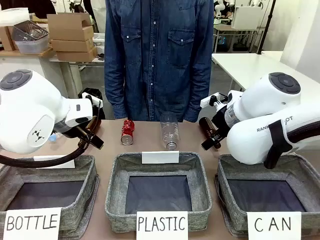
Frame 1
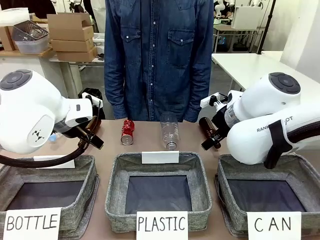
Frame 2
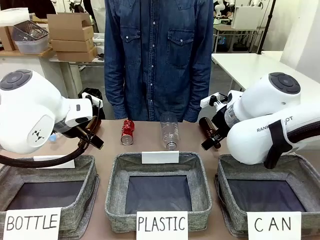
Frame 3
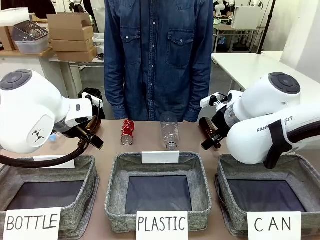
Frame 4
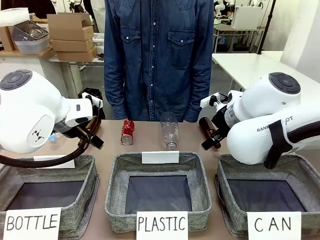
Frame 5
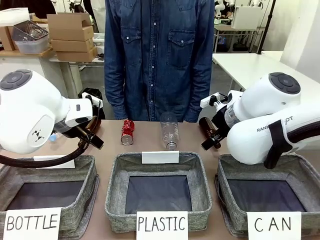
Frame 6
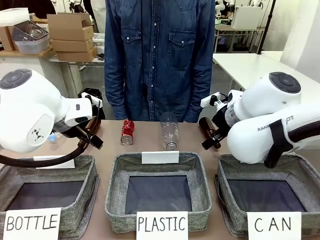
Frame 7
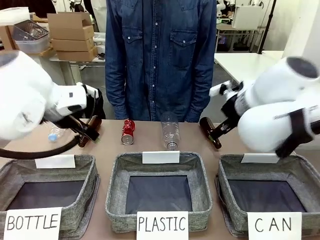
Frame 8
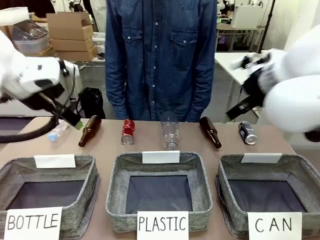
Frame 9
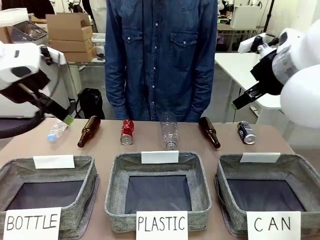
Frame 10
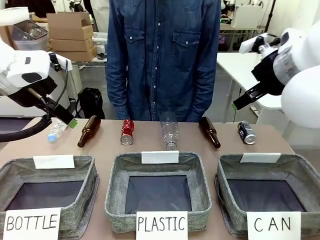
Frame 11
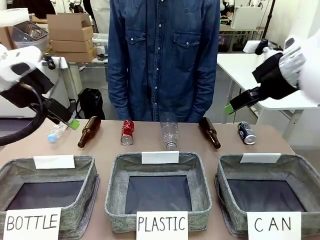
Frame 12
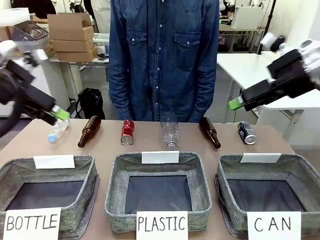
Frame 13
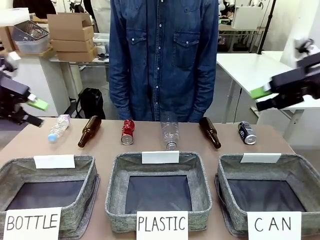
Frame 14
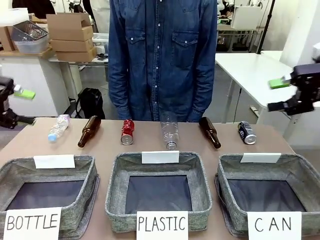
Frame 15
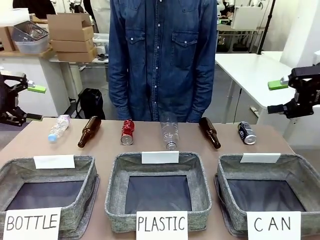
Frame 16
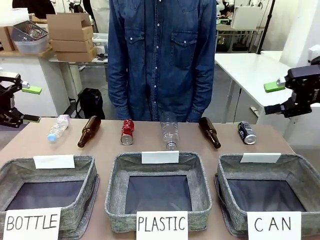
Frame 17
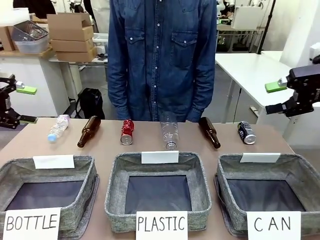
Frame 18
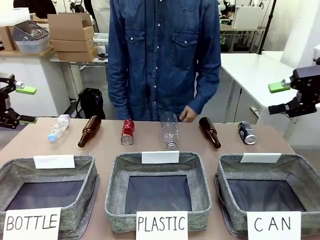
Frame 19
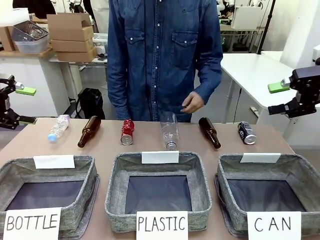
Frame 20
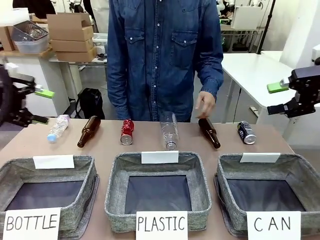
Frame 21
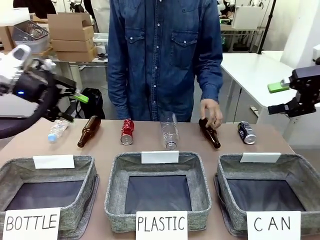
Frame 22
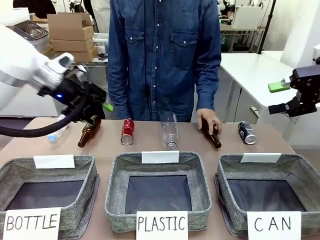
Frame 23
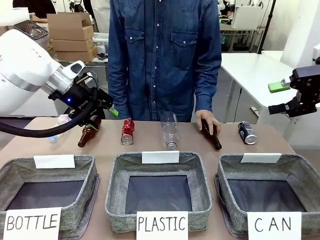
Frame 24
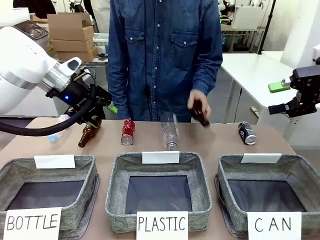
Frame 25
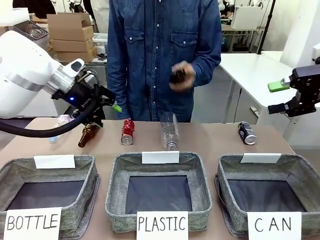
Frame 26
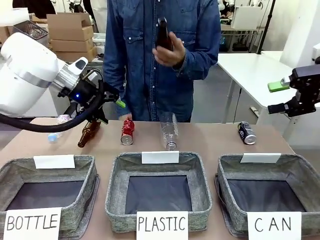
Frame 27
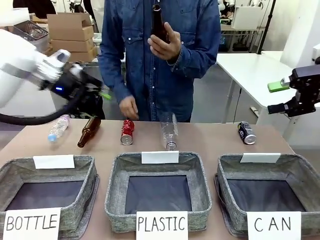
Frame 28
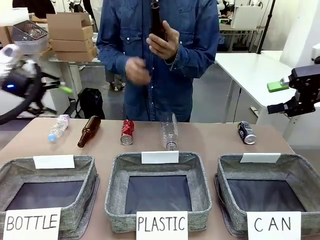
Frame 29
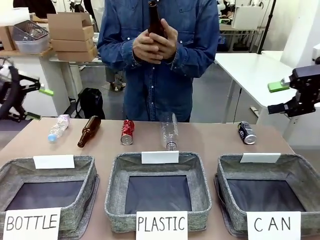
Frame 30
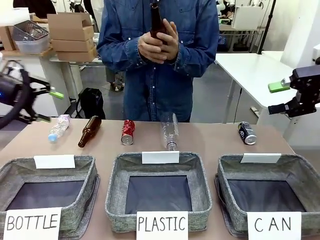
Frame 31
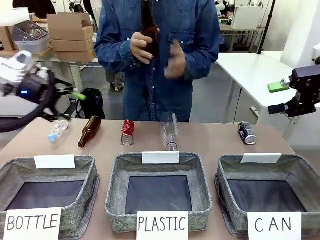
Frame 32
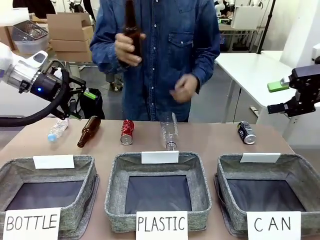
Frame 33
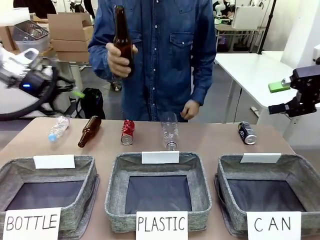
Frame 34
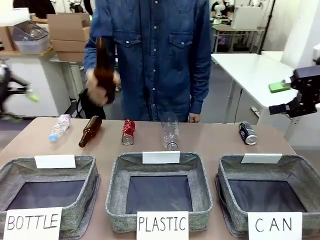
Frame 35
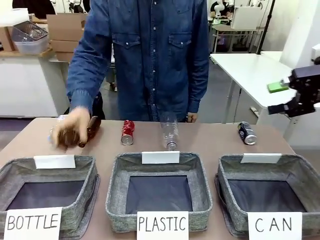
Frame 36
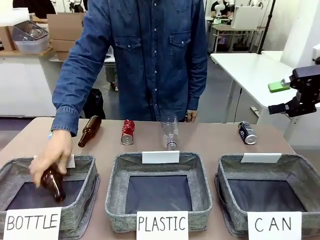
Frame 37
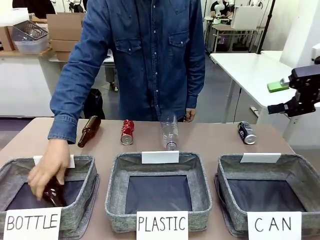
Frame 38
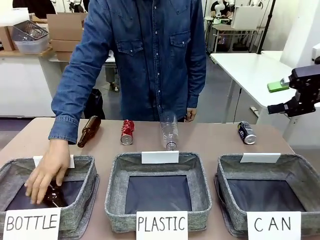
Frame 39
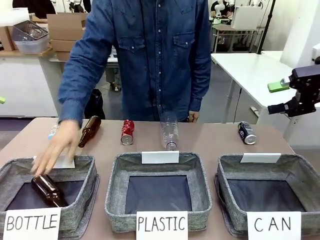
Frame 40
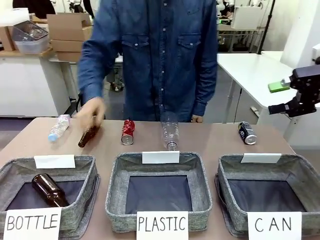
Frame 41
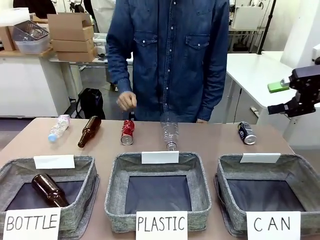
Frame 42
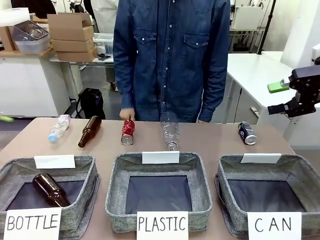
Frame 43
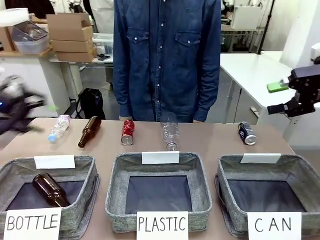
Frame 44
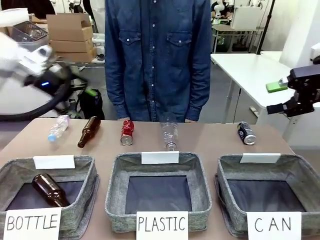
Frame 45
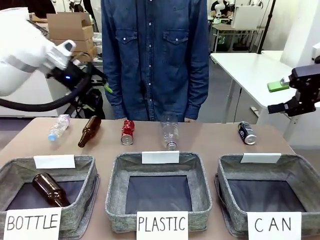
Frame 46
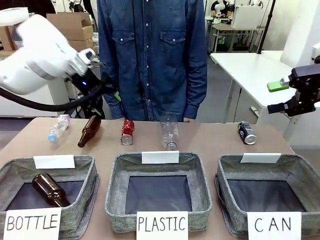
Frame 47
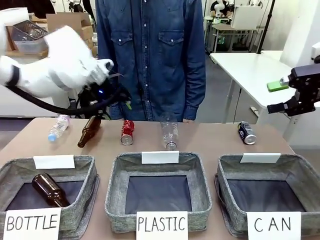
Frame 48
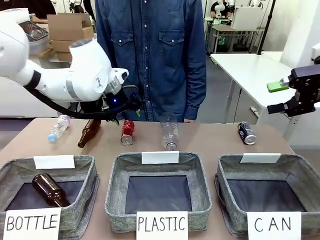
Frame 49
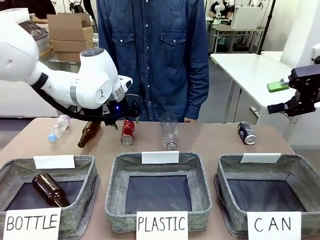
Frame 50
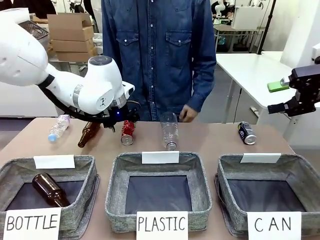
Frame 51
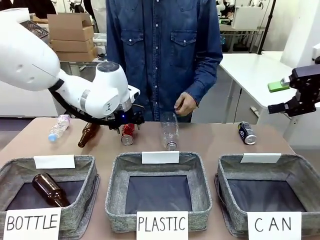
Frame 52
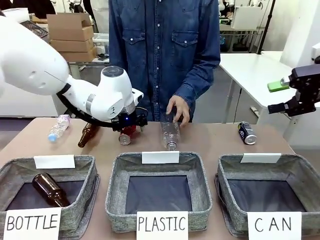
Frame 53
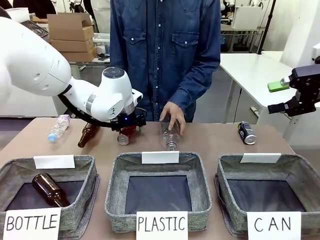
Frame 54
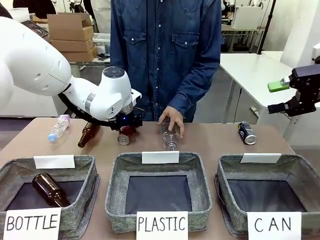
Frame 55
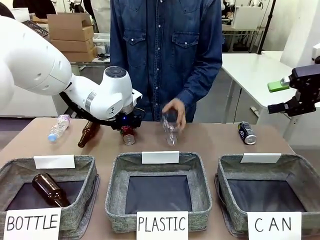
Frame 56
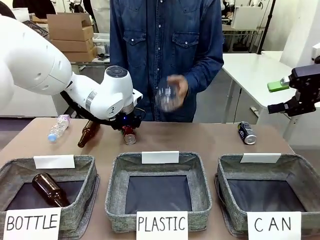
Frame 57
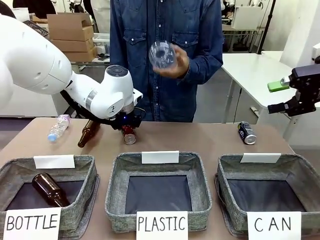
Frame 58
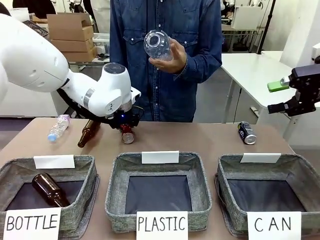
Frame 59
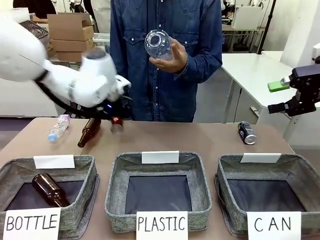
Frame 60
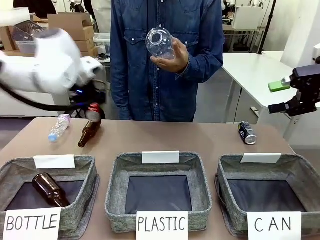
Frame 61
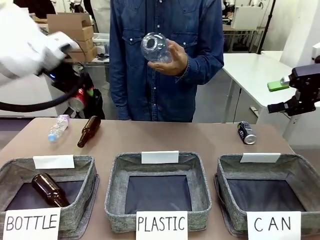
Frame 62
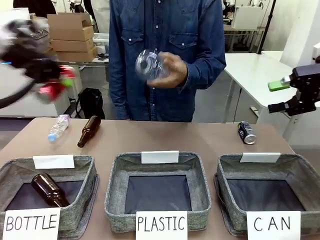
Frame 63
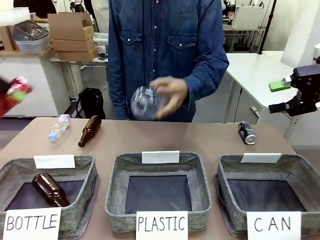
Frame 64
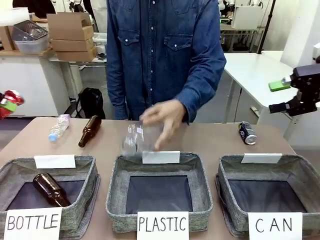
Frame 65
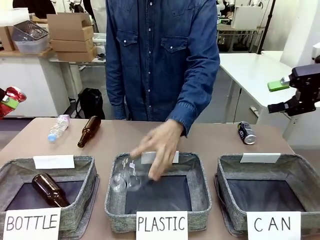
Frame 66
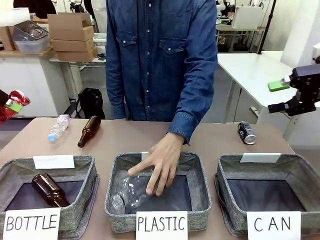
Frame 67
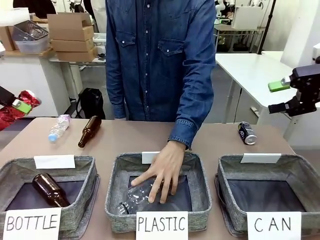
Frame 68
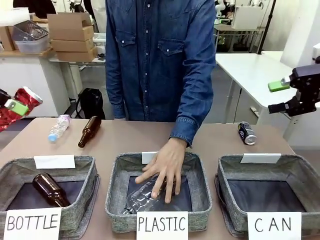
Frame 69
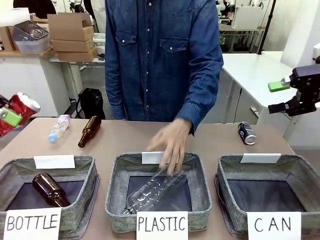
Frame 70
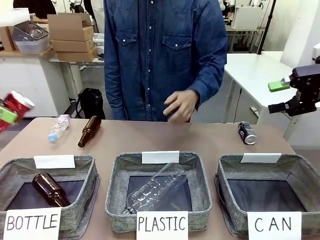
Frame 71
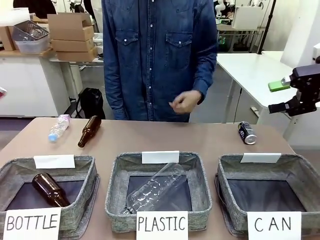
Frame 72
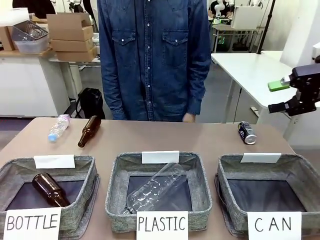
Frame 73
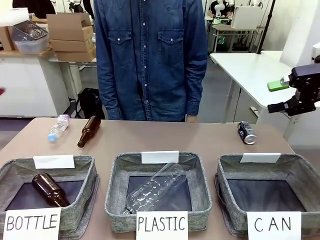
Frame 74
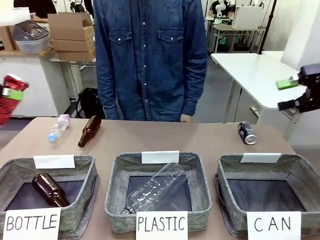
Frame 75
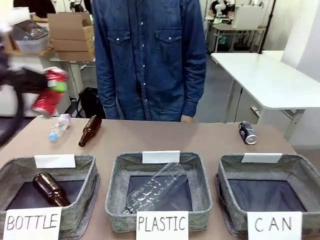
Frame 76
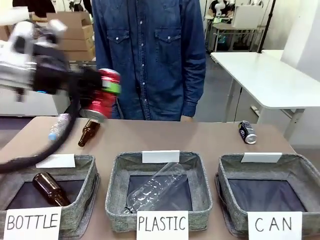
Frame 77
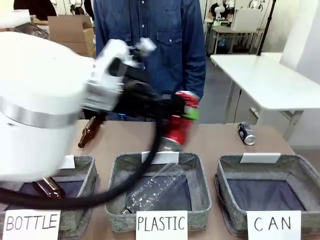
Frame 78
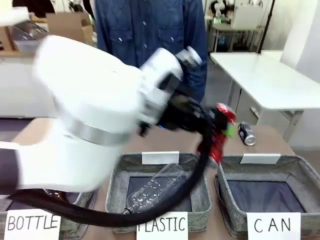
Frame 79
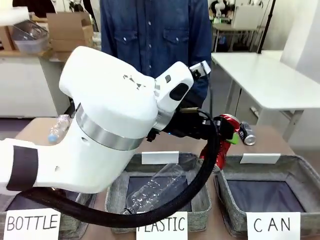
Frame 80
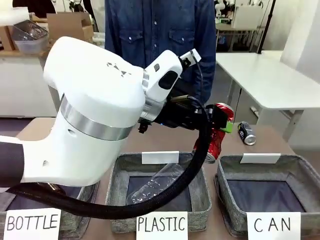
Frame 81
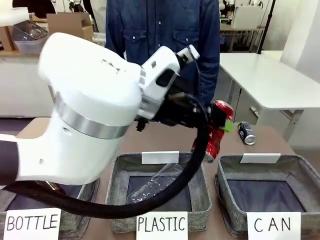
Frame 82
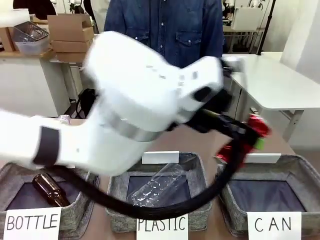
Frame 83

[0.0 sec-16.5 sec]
Task: Sort the can waste into the basket.
Robot: Pick up the can waste from the table and place it in the right Fabric basket.
